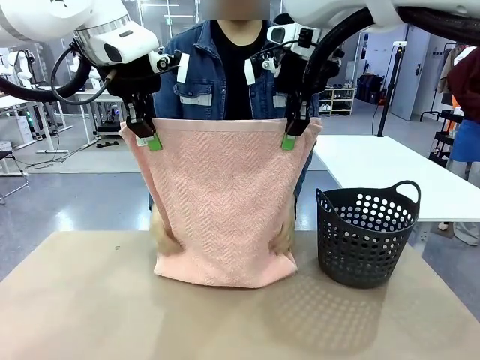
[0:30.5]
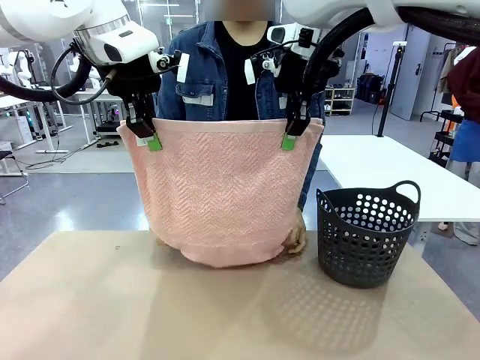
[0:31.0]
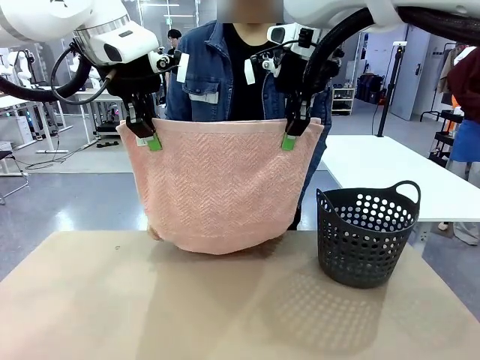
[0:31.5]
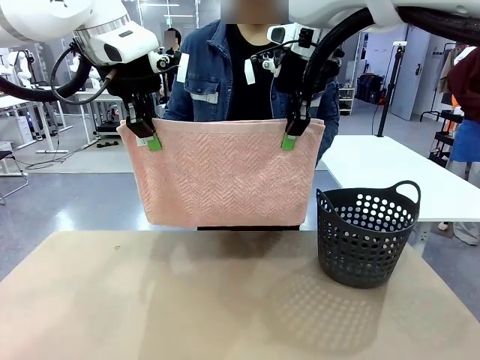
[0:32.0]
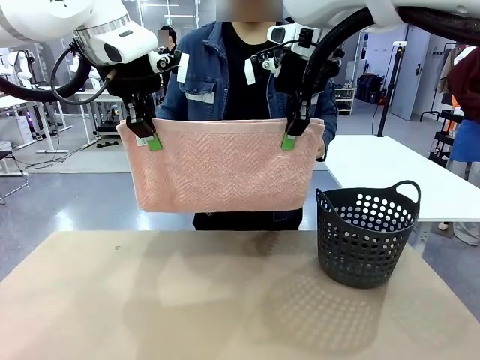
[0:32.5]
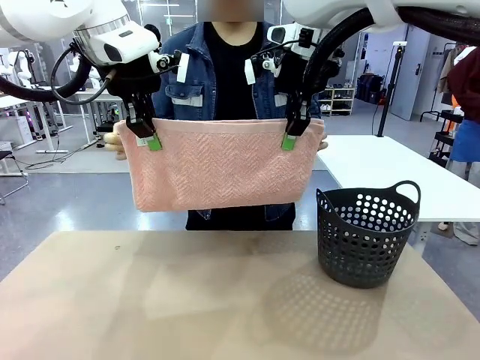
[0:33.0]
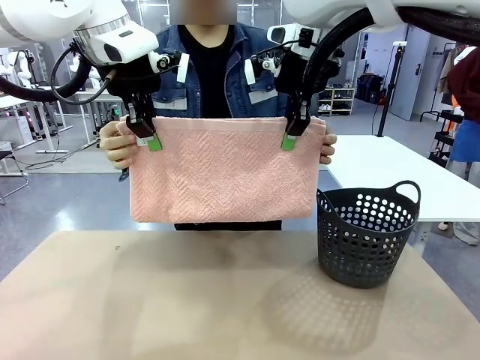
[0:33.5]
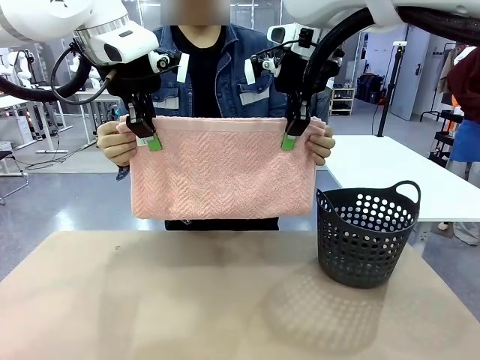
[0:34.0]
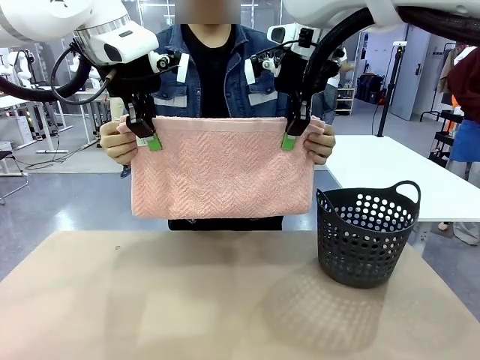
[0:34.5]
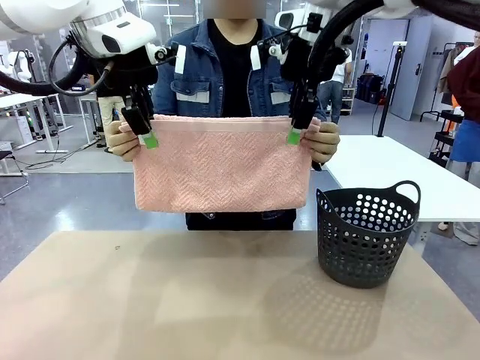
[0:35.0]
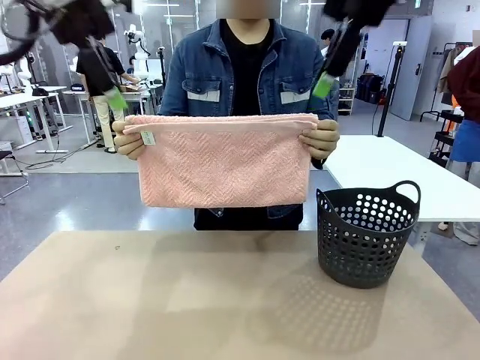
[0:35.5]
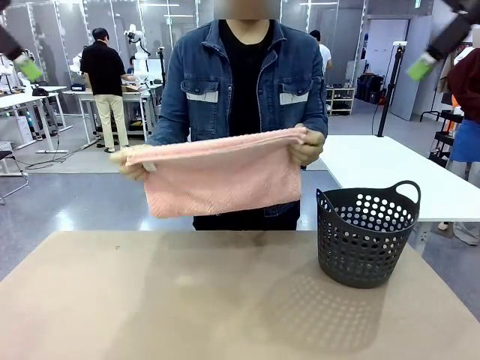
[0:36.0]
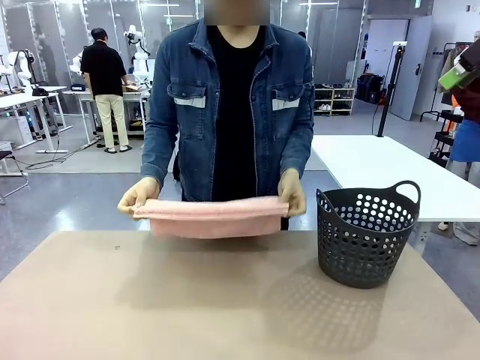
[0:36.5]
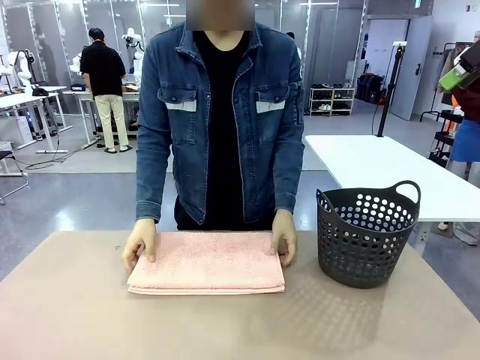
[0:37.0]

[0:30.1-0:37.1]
Task: Fold the towel.
Robot: Release the end of the 100 cm Hotel Towel you were holding.

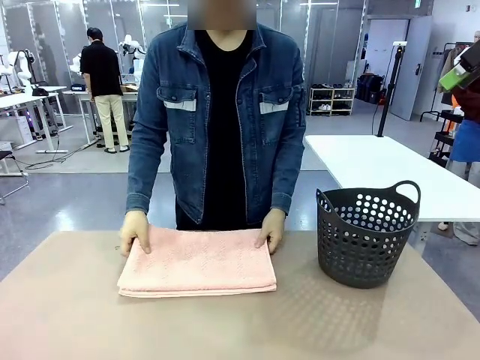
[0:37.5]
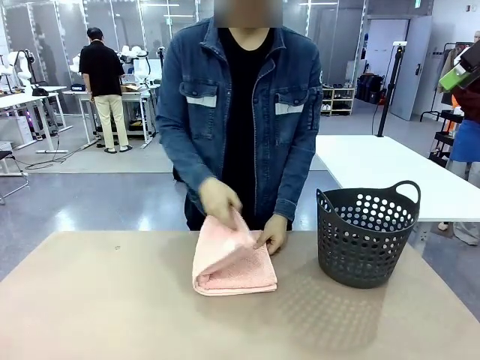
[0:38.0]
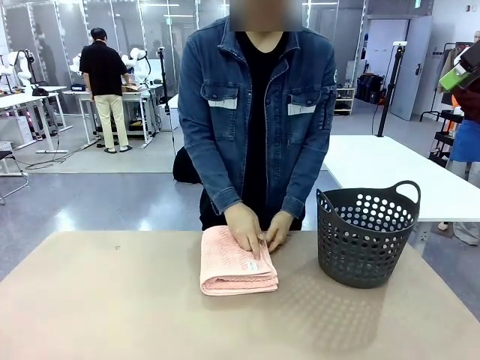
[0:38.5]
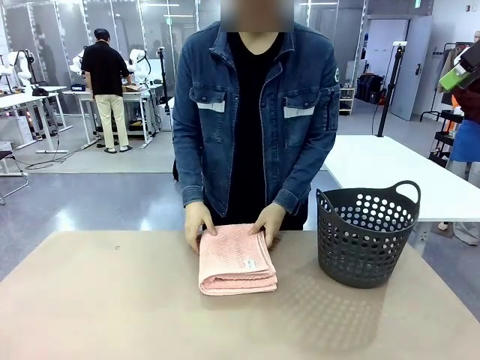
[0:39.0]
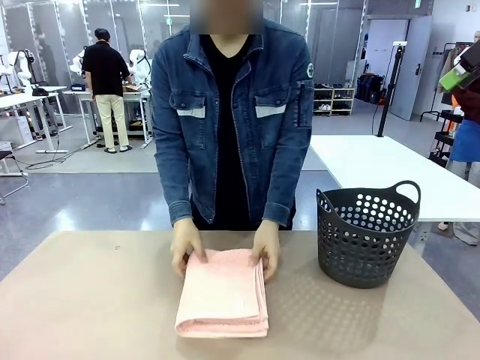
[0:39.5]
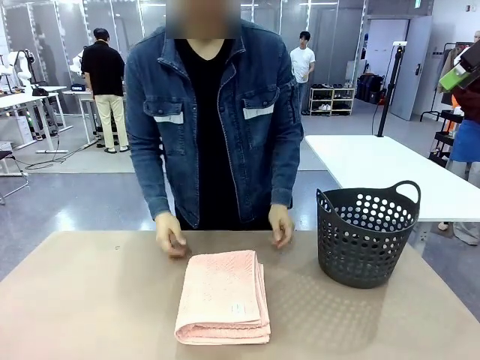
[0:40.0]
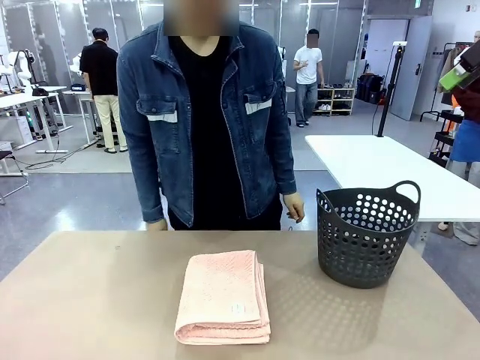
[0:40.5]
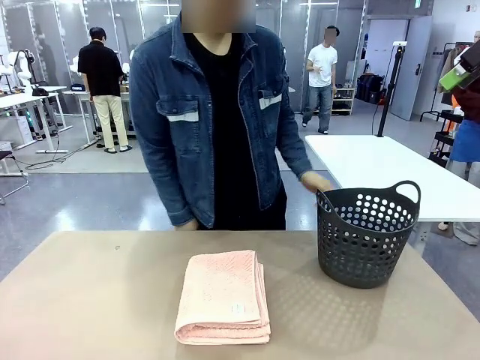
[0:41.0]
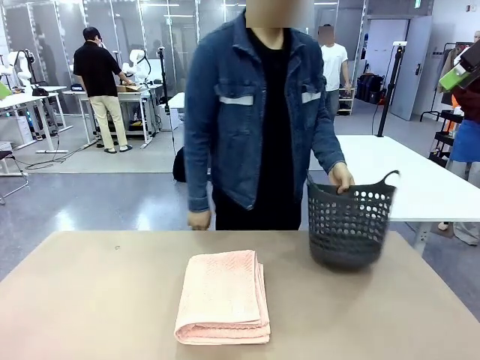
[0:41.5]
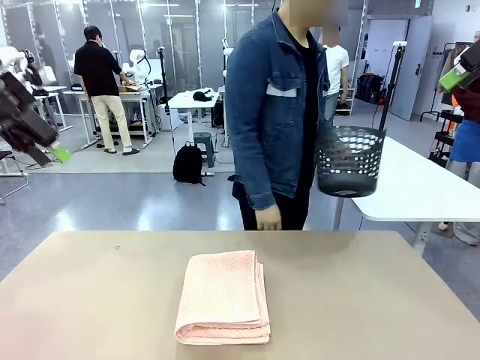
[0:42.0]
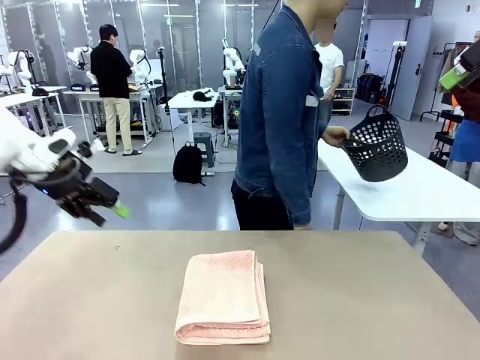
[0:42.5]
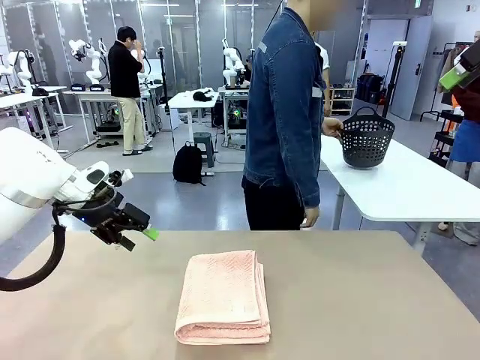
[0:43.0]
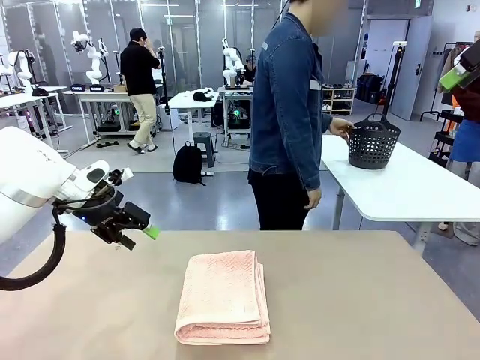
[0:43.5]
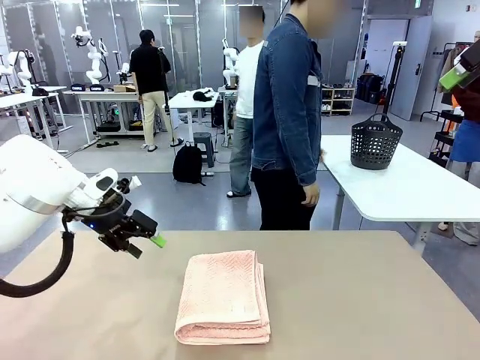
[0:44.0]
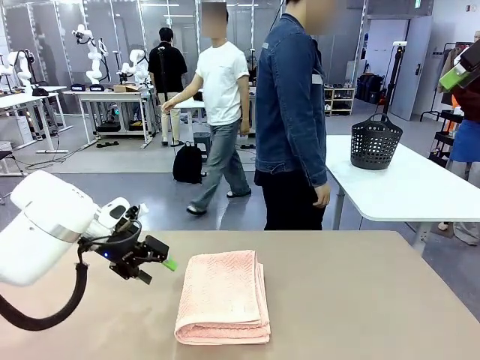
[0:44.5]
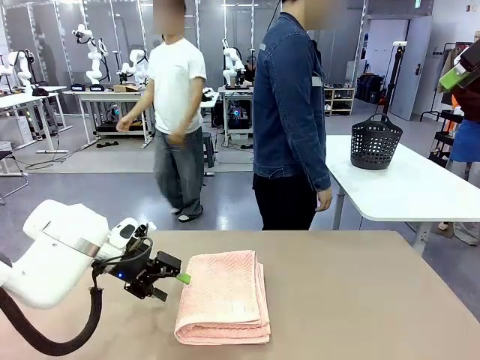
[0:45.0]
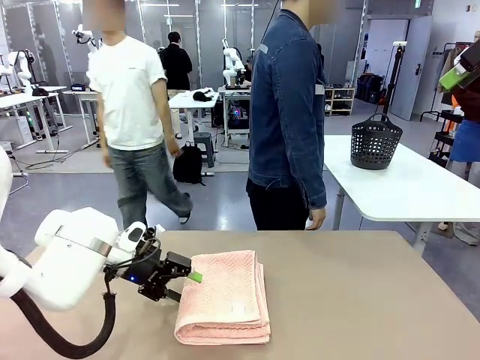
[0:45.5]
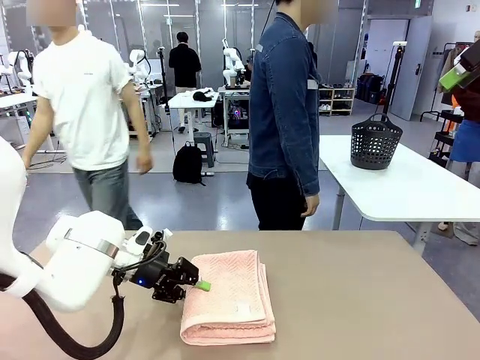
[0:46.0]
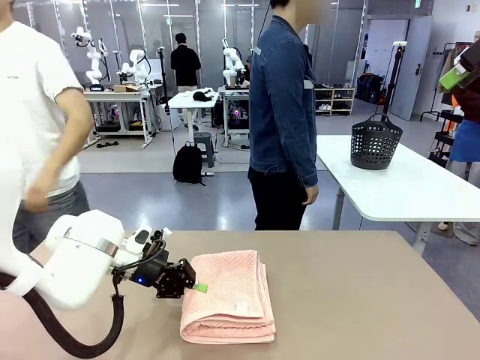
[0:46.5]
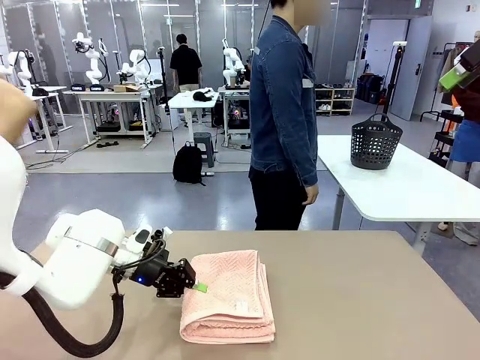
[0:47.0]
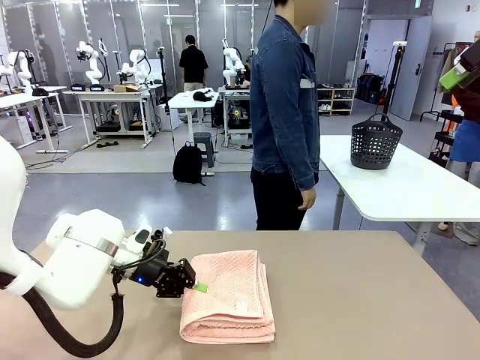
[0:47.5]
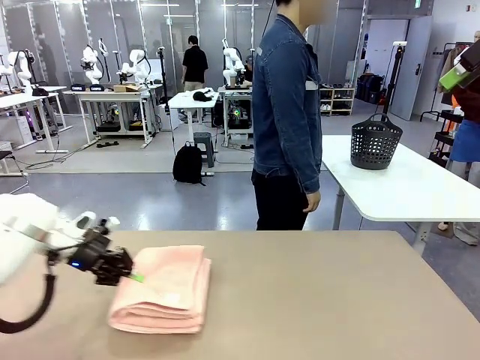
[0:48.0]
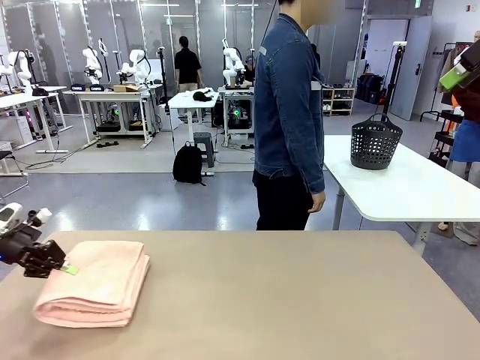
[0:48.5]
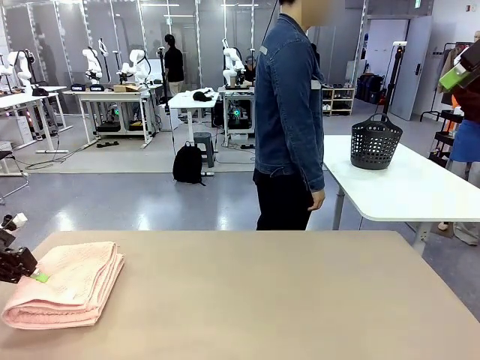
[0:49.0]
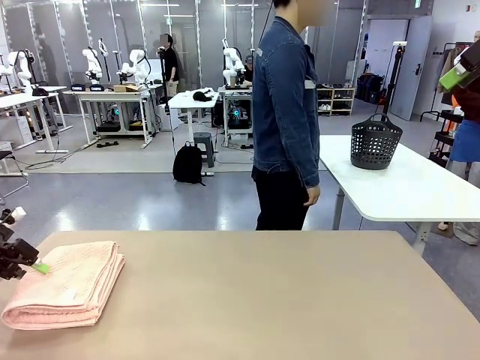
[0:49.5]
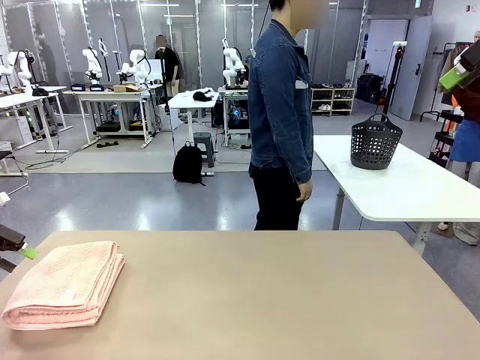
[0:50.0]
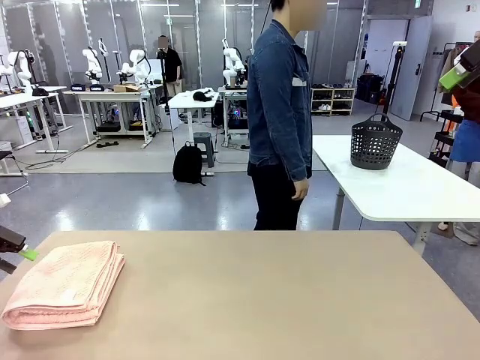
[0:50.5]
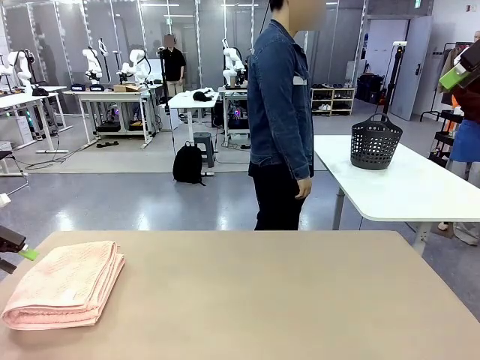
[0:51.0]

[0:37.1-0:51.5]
Robot: Pick up the 100 cm Hotel Towel and place it on the left side of the table.
Person: Place the towel at the center of the robot table and fold it in half. Pick up the laundry basket and place it at the center of the human table.

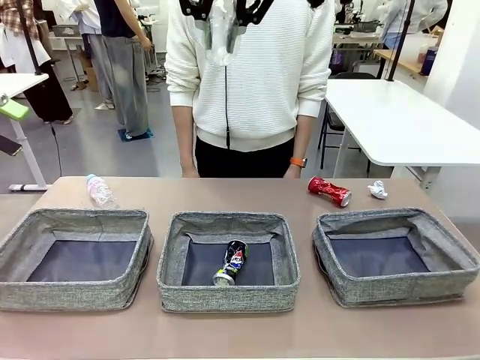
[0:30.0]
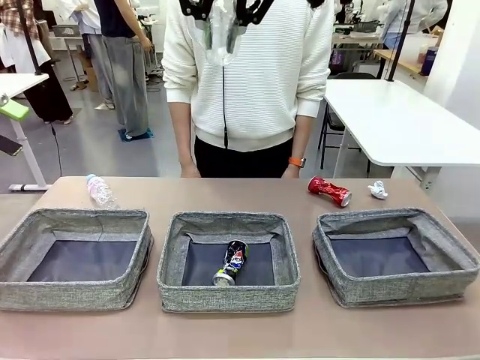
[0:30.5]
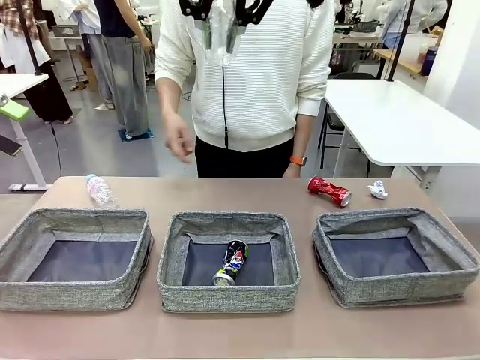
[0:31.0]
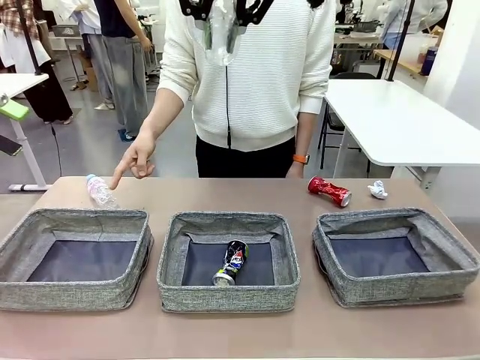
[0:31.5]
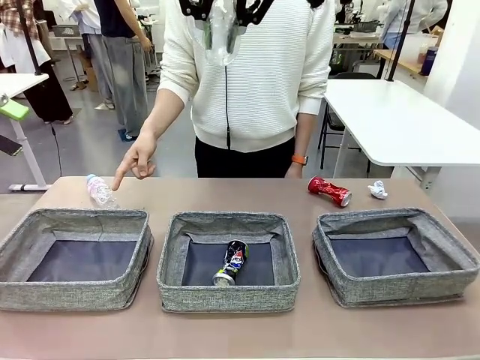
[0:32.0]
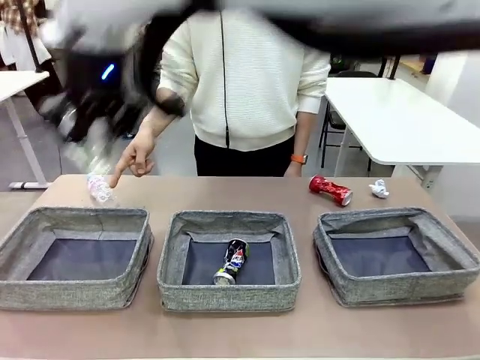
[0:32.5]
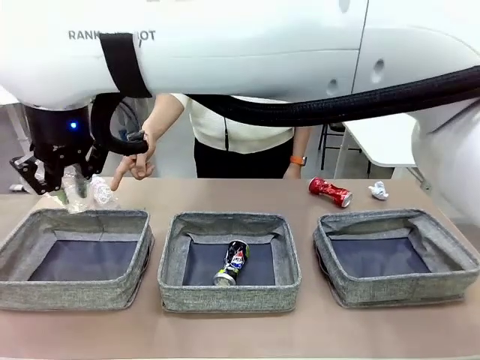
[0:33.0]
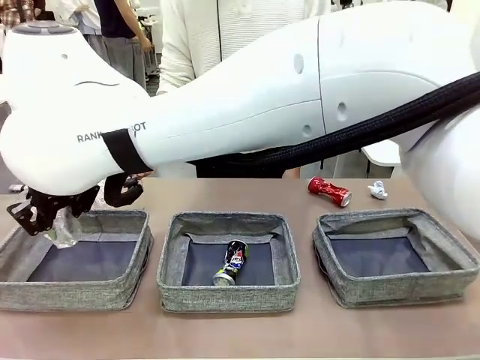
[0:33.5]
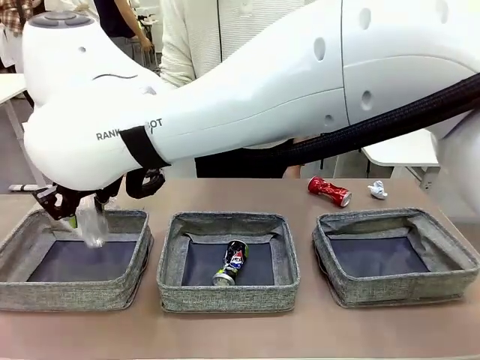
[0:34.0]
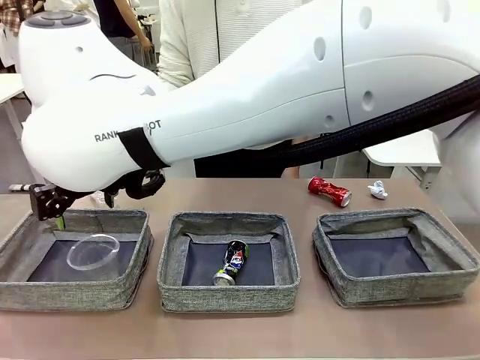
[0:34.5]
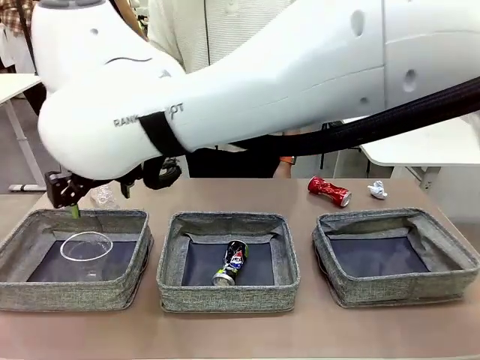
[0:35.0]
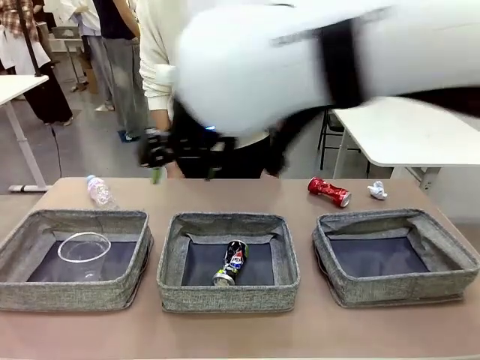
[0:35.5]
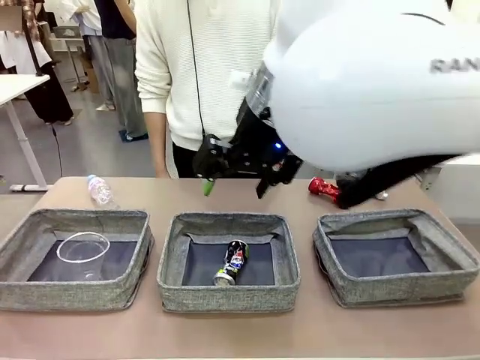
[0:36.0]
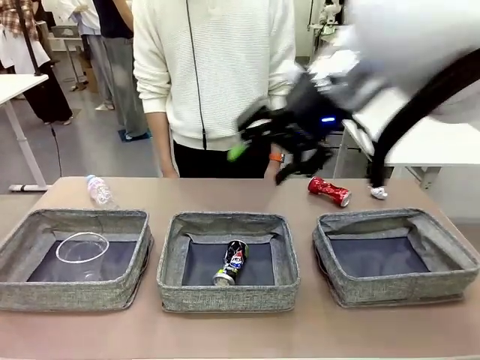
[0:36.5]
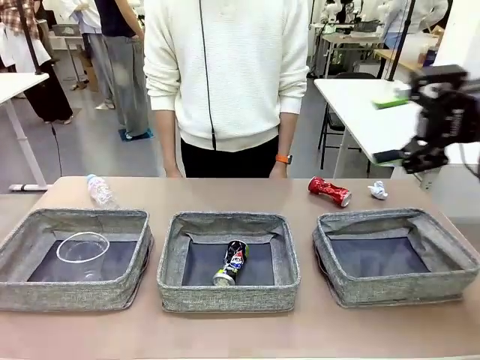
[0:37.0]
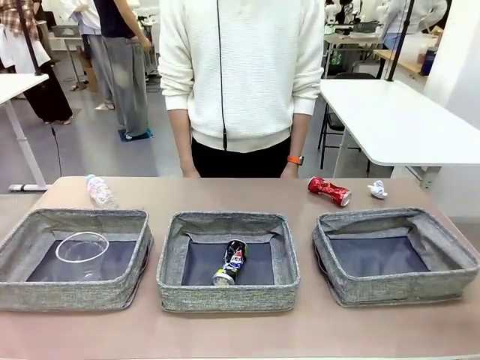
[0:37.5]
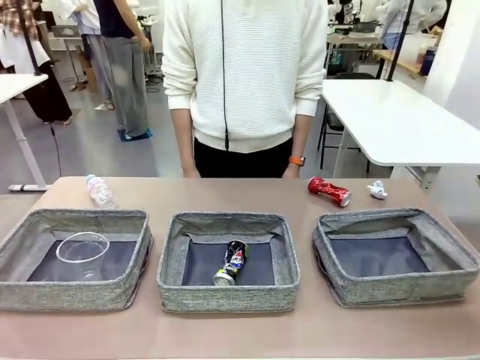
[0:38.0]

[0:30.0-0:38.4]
Task: Sort the waste into the appropriate baskets.
Robot: Place the picked waste into the Fabric basket indicated by the person.
Person: Instructs the robot to place the picked-up trash into the appropriate organizing basket.
